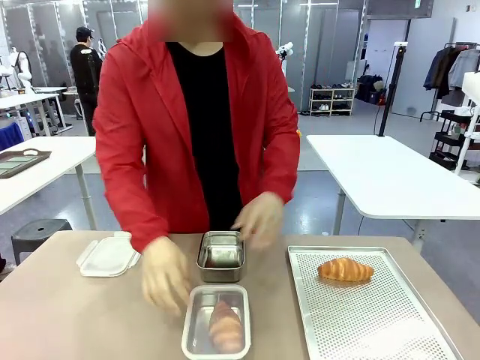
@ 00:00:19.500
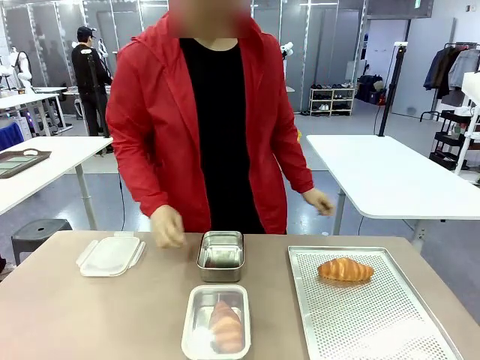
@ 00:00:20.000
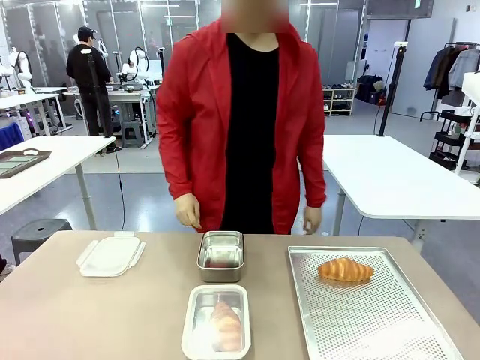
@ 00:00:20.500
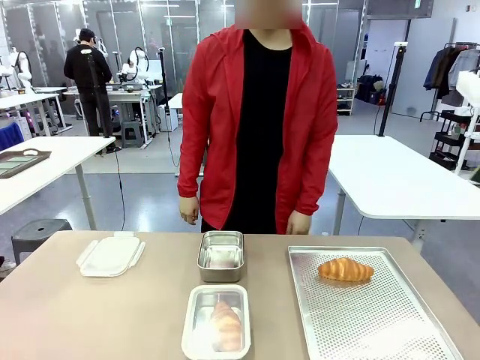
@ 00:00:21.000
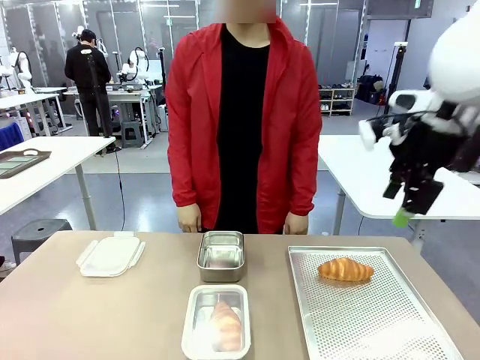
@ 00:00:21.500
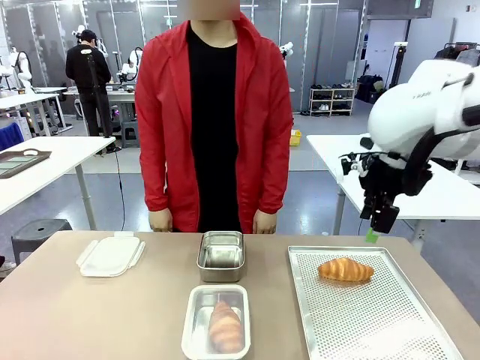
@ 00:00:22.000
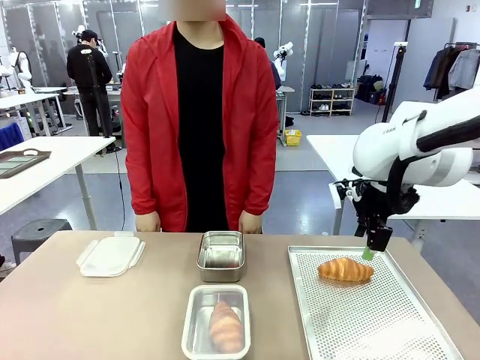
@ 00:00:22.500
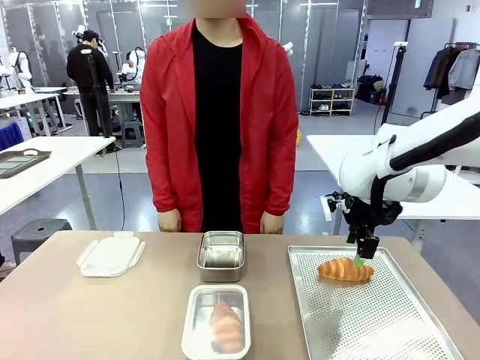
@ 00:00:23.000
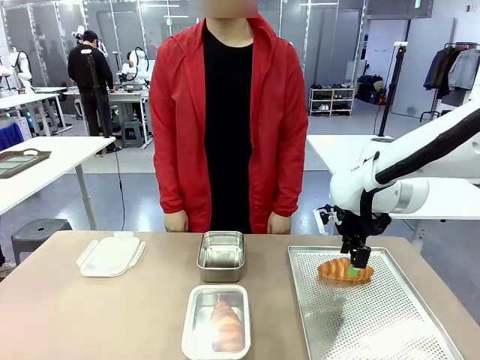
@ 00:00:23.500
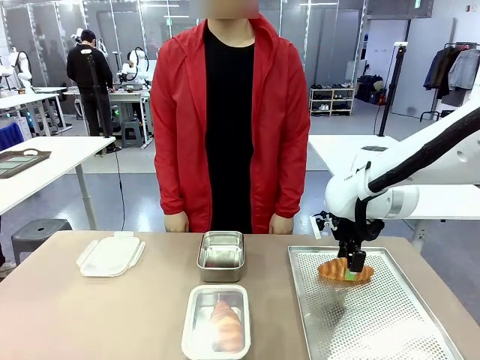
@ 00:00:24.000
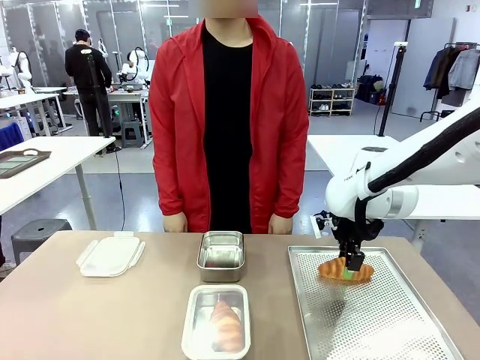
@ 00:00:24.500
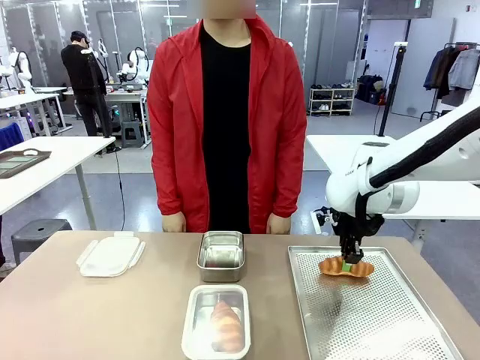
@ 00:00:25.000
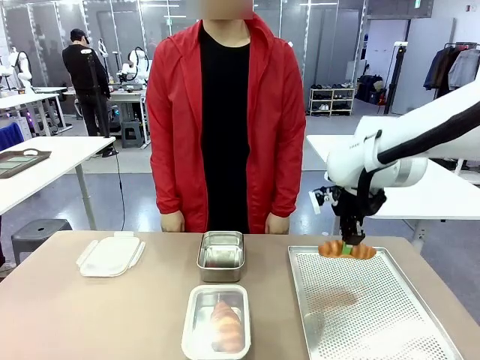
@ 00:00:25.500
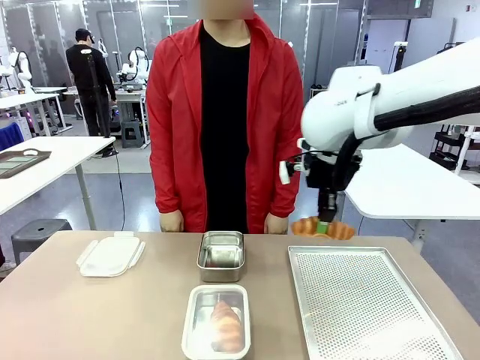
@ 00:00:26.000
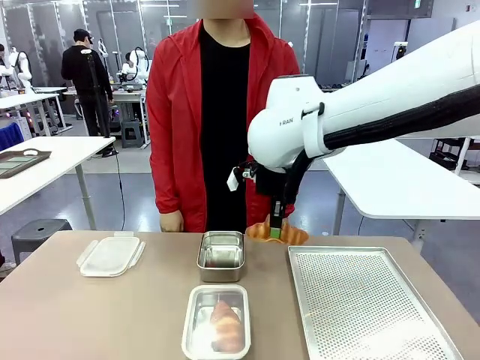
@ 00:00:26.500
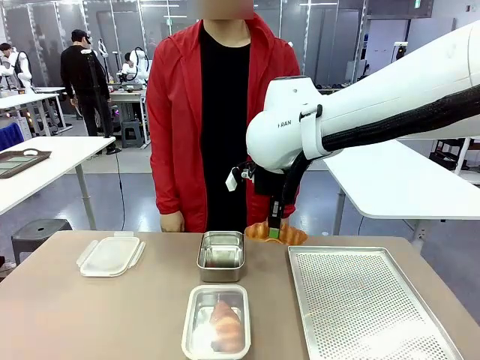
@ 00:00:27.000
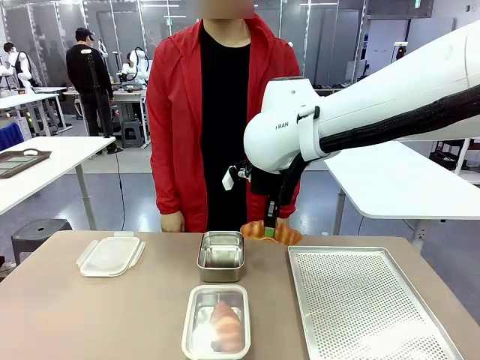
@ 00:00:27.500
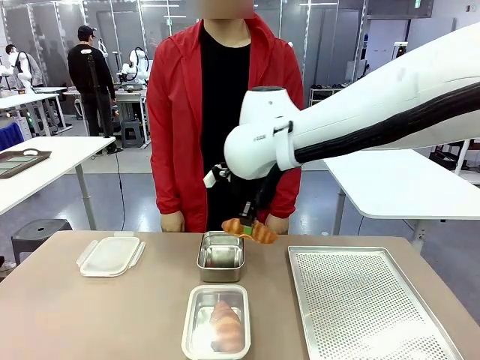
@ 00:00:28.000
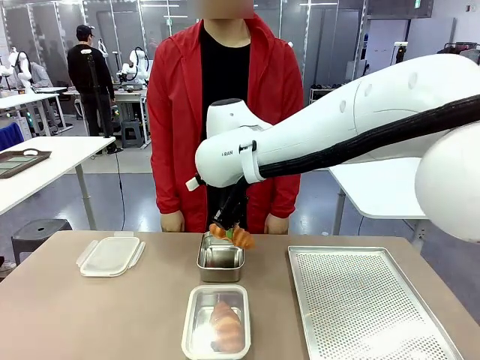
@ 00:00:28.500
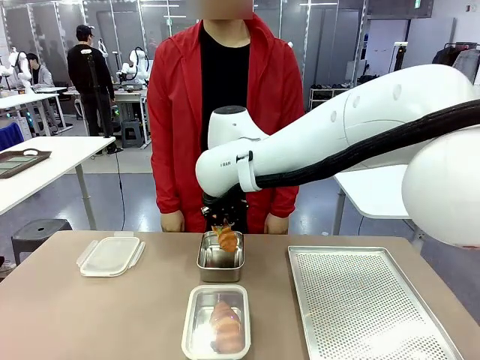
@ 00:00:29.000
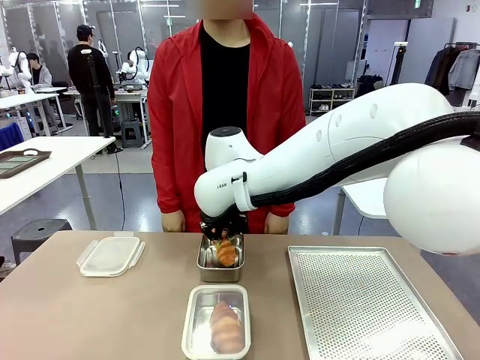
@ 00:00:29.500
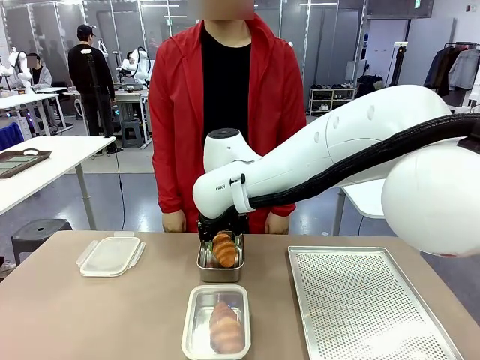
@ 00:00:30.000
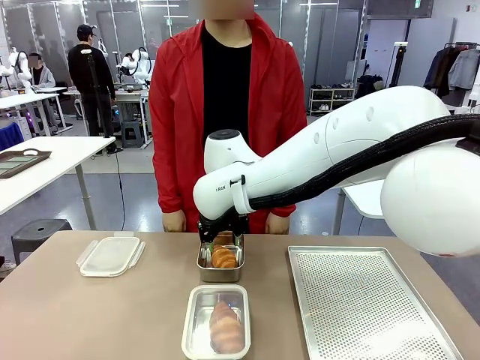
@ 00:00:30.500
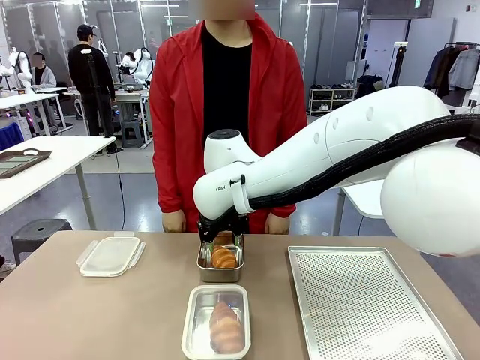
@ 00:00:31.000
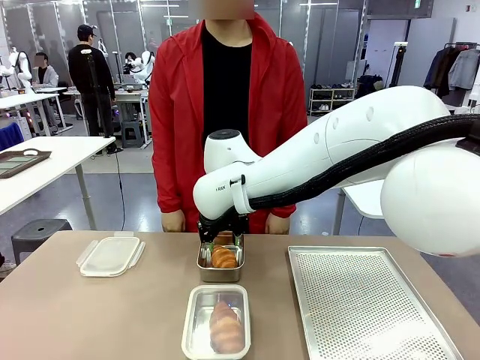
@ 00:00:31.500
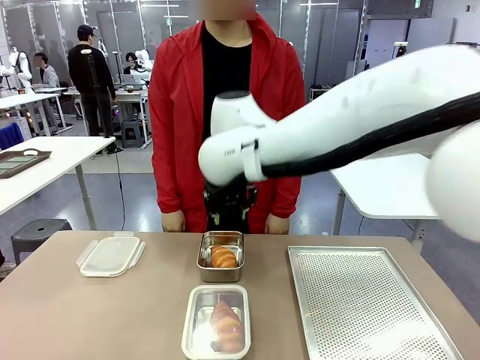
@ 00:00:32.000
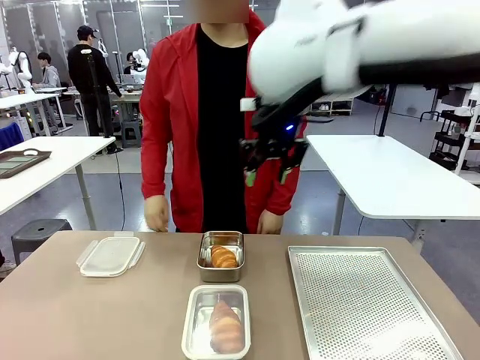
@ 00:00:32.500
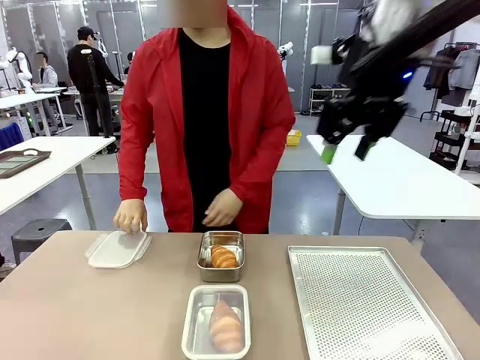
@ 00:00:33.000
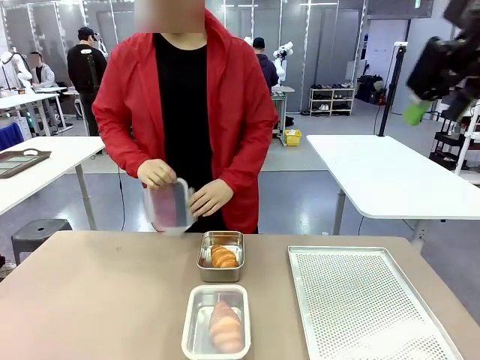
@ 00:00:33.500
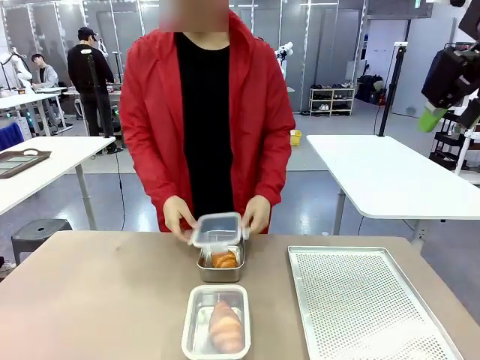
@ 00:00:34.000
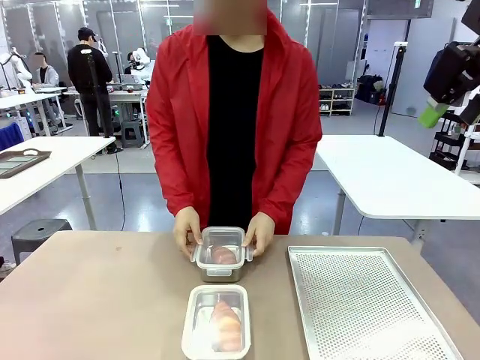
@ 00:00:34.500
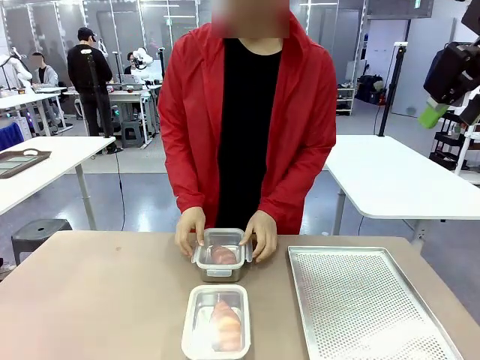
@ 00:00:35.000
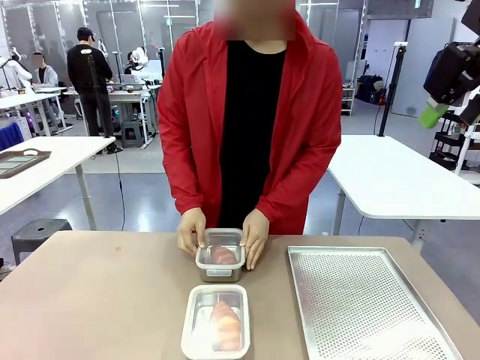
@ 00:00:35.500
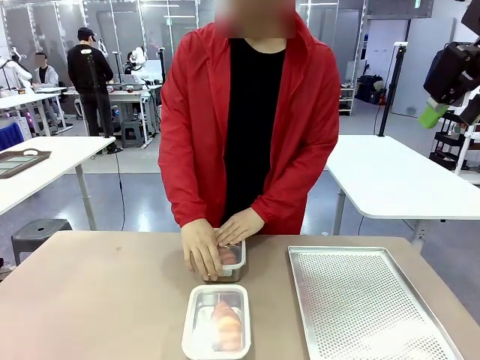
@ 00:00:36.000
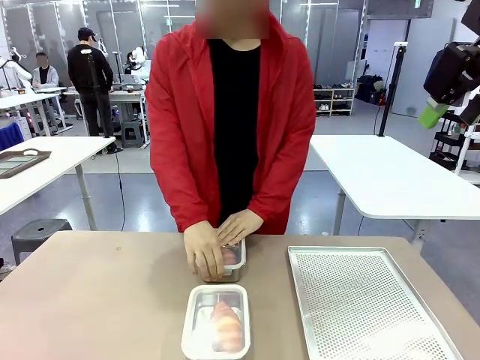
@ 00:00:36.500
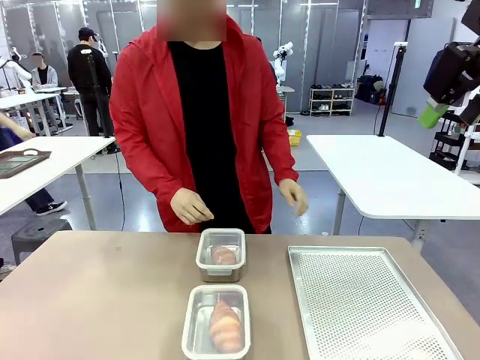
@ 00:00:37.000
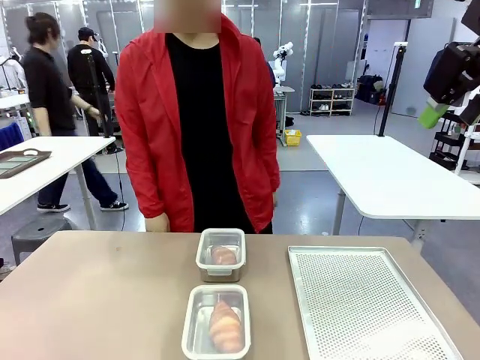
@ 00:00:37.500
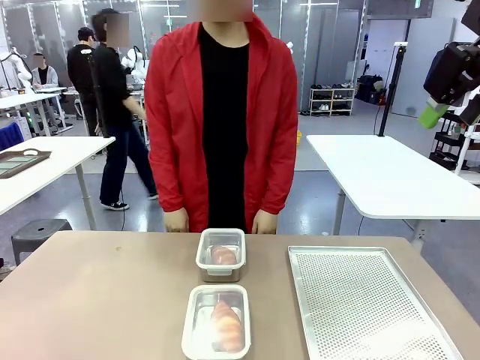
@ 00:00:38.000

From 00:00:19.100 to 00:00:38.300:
Task: Place the bread into the airtight container.
Robot: Pick up a Butter Roll and place it into an empty Airtight Container.
Person: Once a Butter Roll is inside an Airtight Container , close the lid of that Airtight Container.
